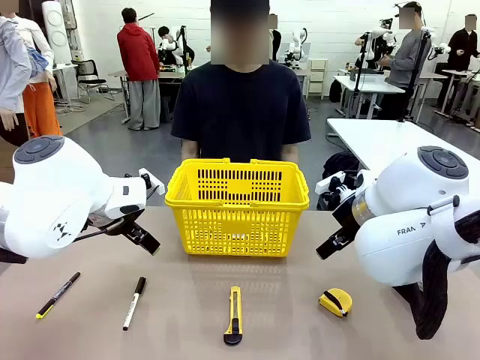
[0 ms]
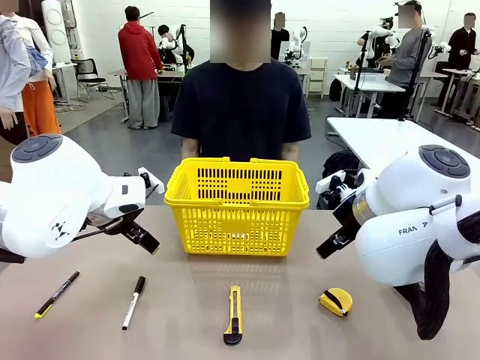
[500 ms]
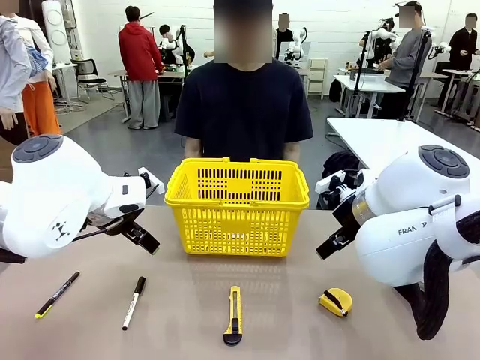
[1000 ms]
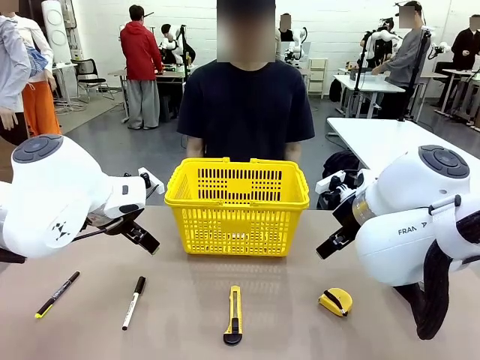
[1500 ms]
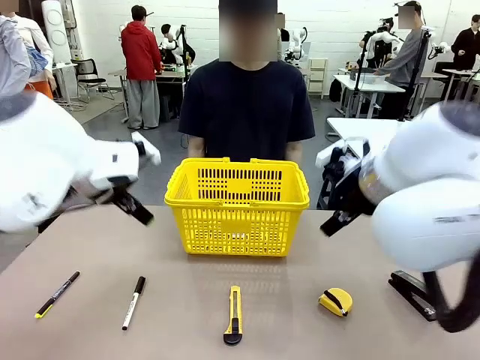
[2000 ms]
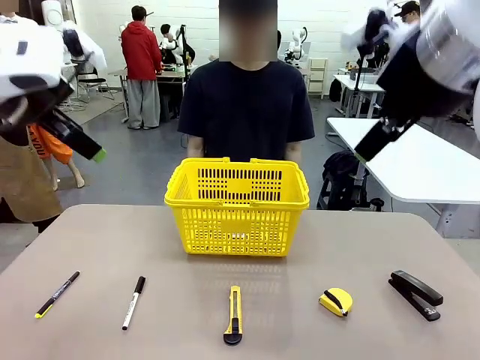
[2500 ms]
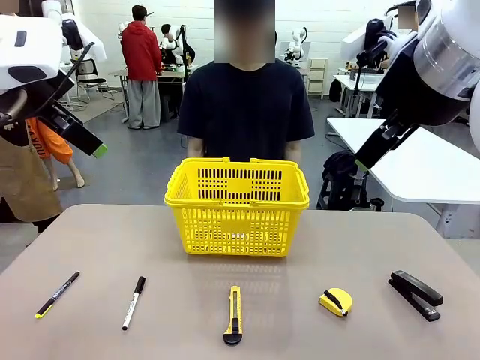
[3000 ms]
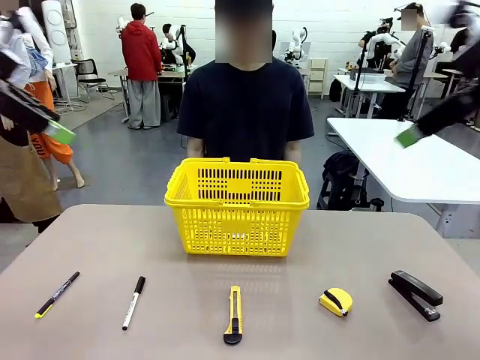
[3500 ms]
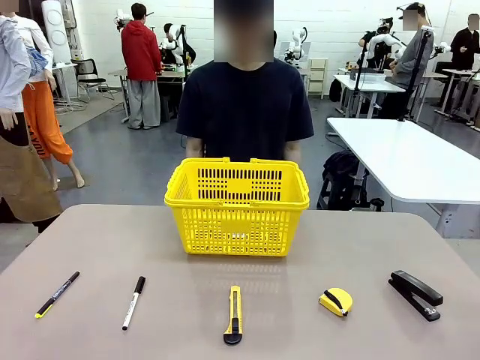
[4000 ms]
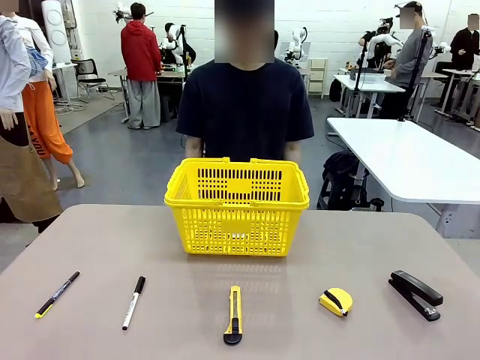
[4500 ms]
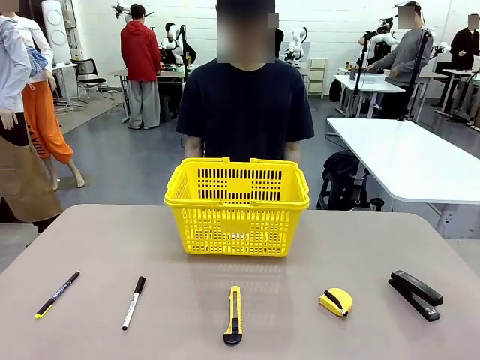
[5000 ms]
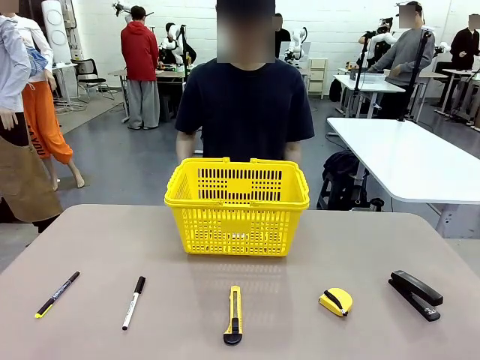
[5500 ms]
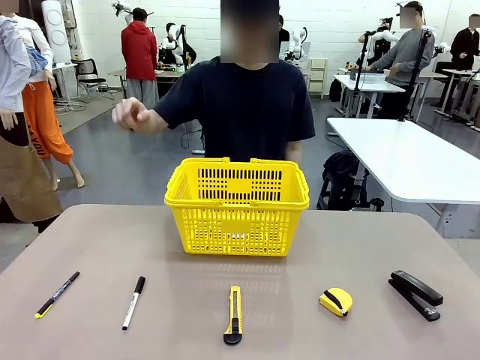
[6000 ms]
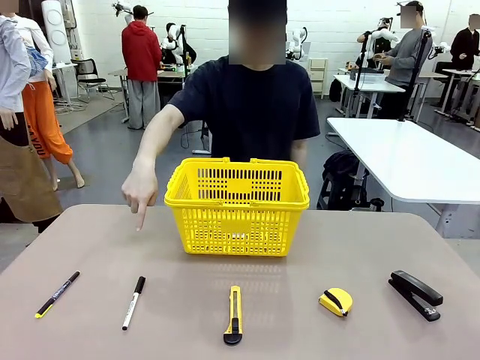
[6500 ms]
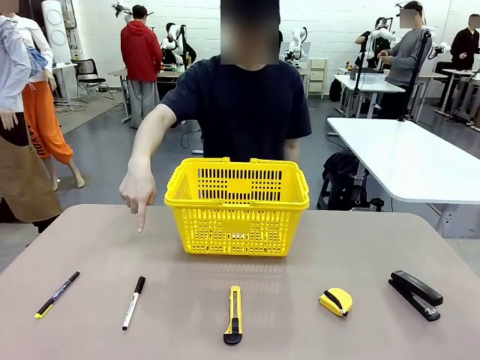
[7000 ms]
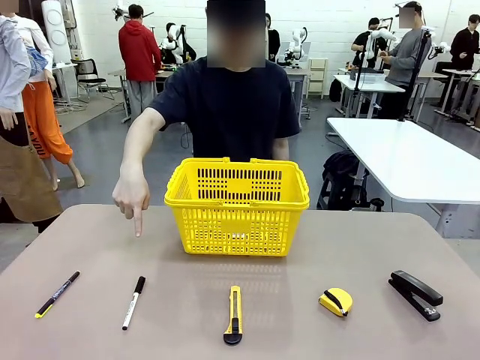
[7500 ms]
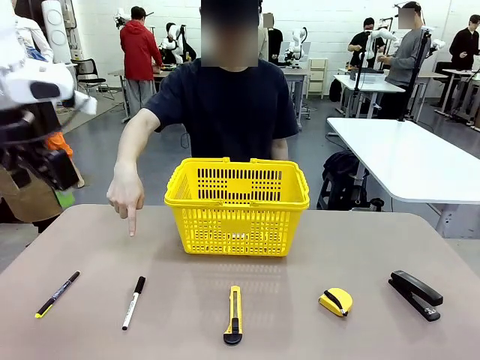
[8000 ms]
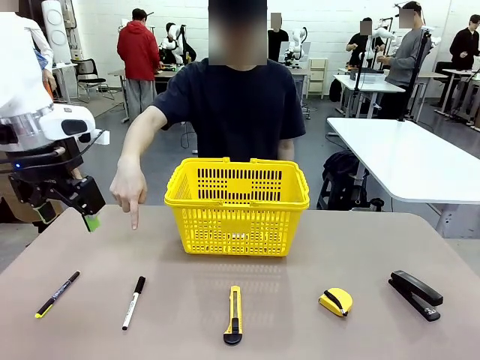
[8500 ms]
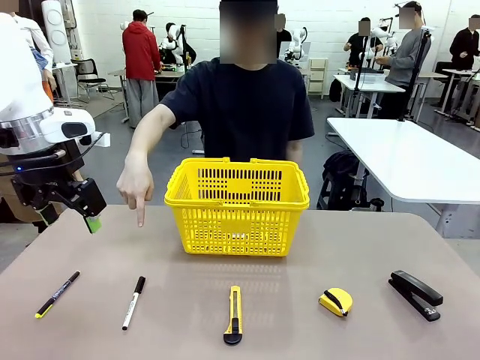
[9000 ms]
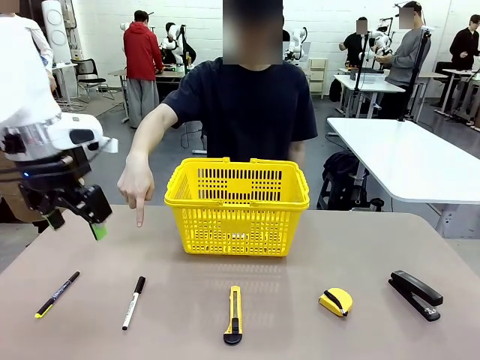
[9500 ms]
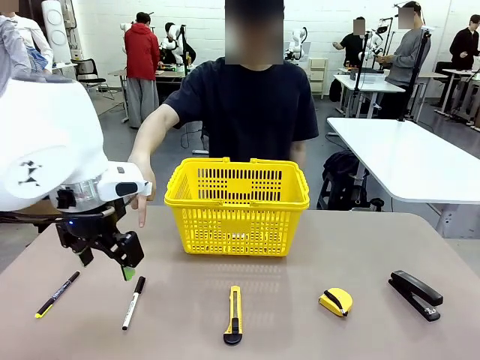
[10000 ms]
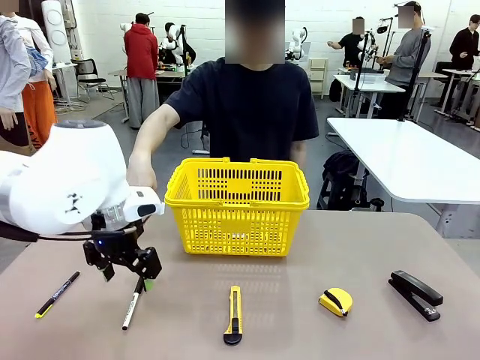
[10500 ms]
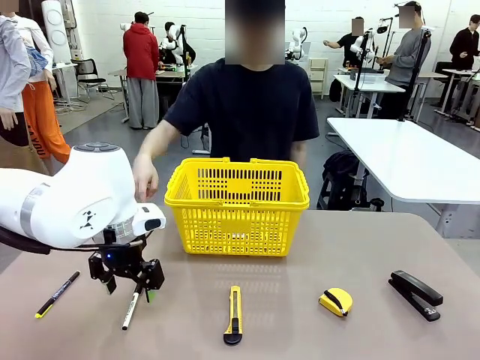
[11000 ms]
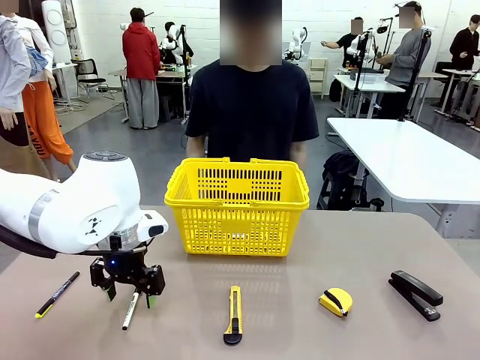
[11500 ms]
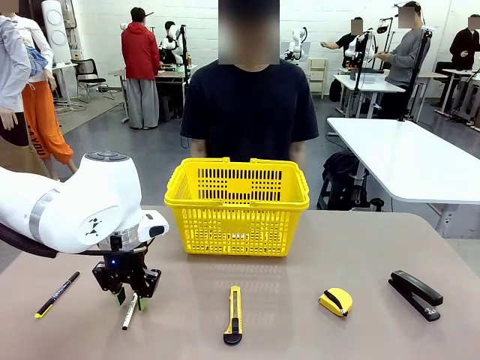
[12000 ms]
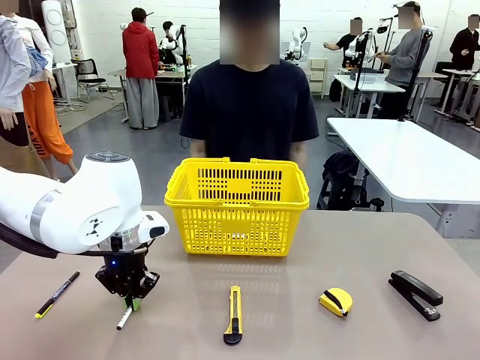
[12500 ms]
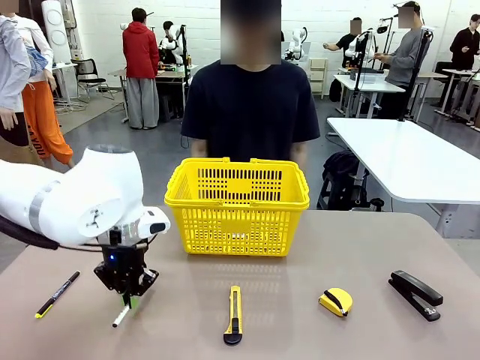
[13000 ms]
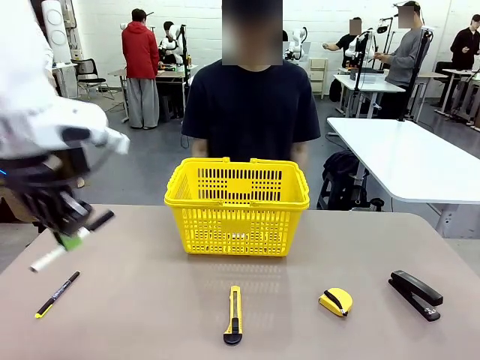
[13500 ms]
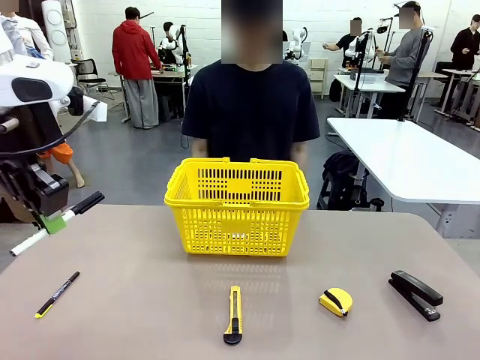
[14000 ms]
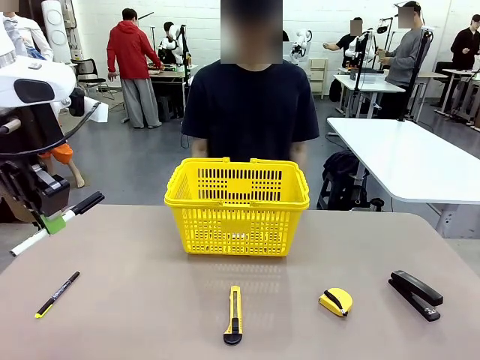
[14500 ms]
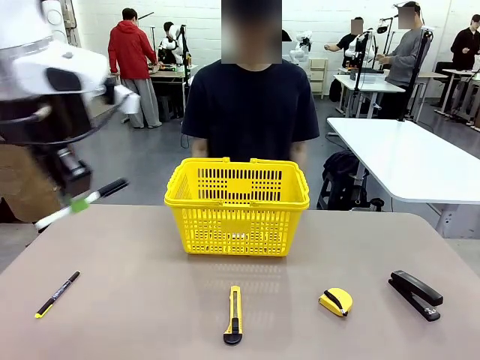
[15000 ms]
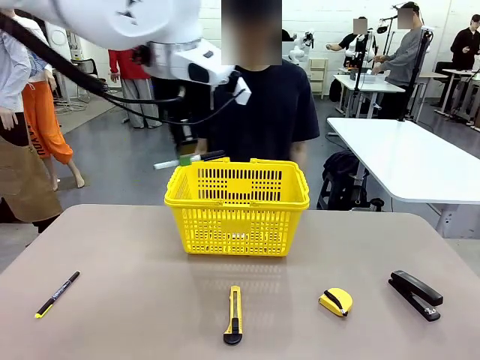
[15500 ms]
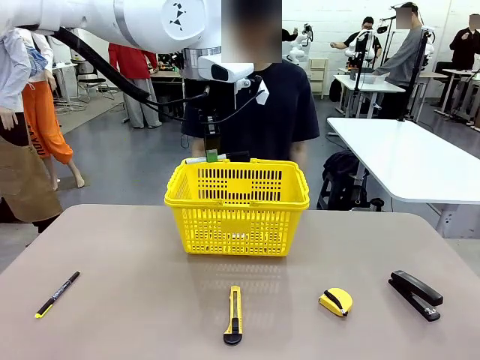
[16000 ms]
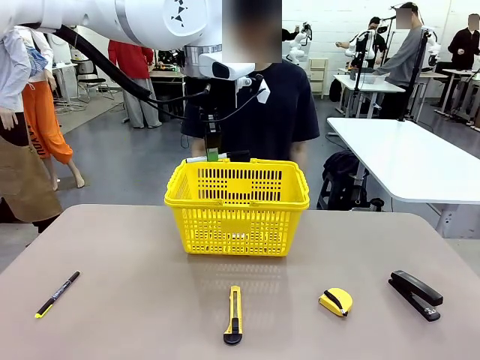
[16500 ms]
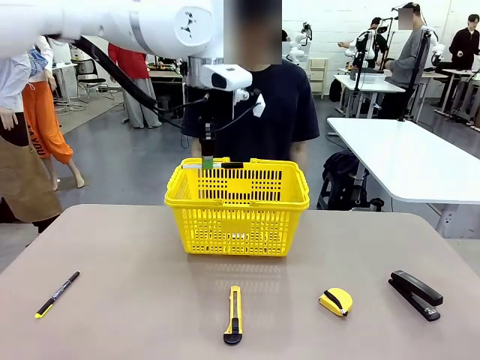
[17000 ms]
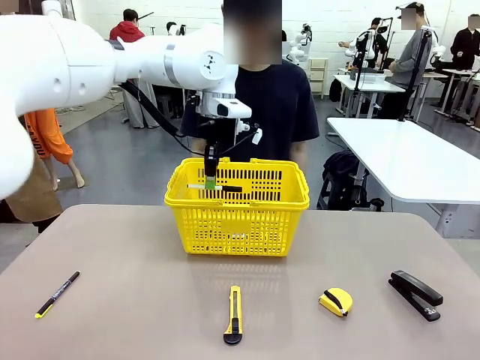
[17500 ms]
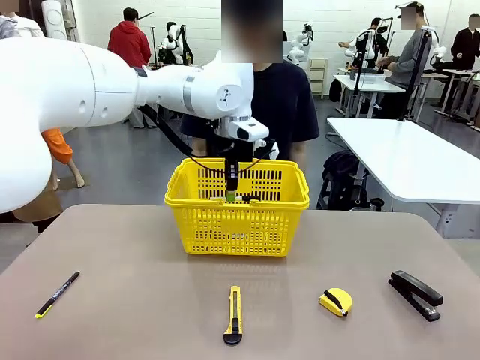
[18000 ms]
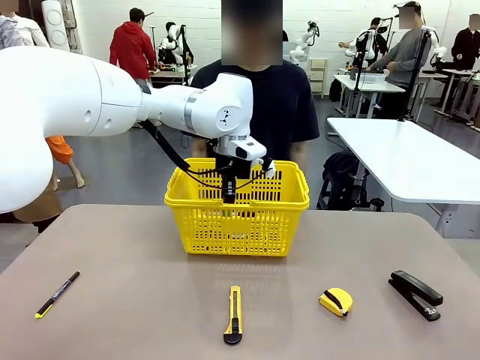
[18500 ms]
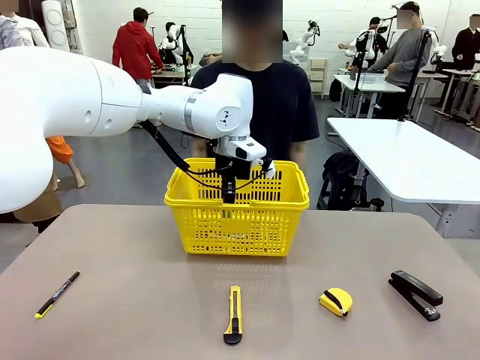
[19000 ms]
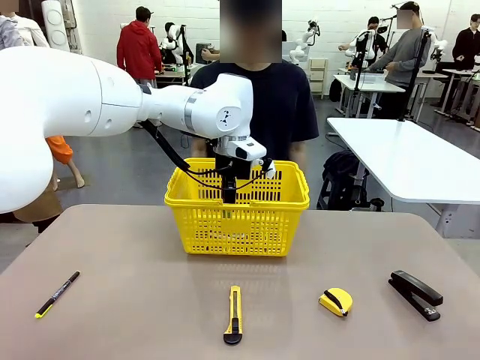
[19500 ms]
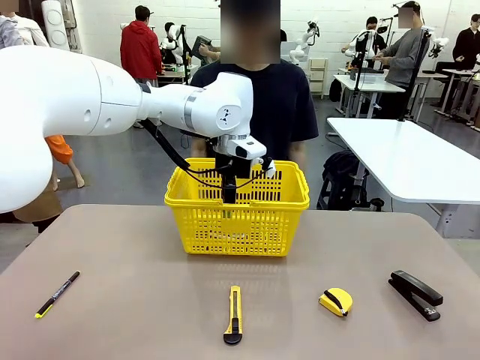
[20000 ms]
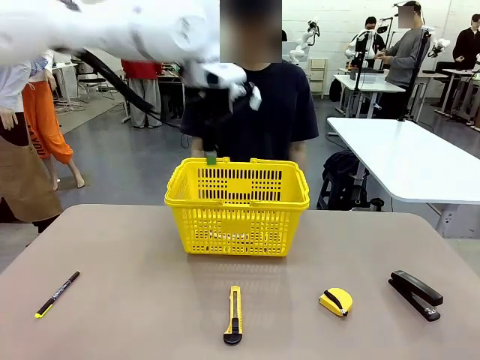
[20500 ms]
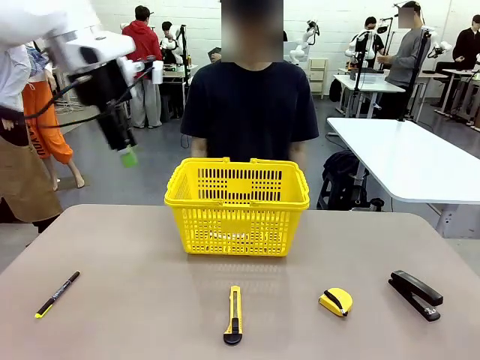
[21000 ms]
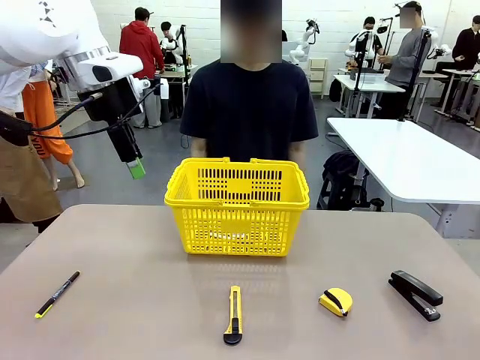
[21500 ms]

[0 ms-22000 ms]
Task: Place the items the person wants into the basket.
Robot: Pick up the item the person points to and place it in the Market Basket.
